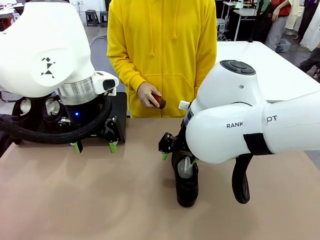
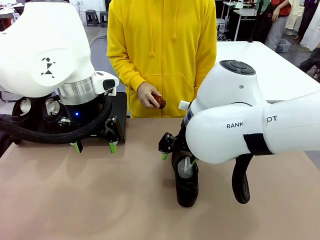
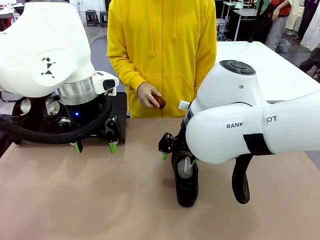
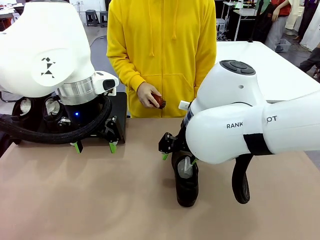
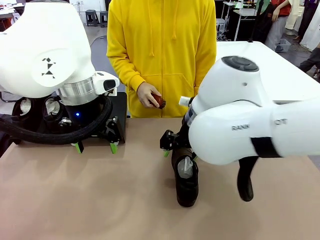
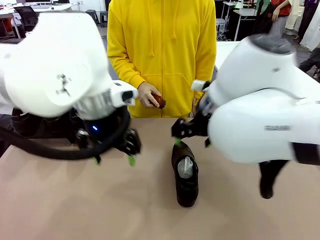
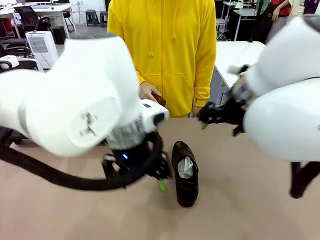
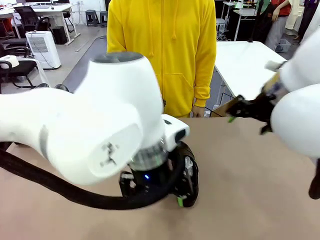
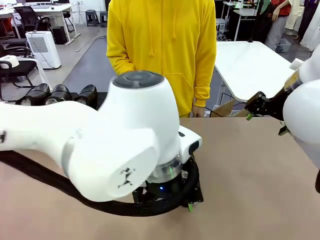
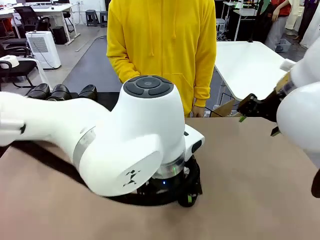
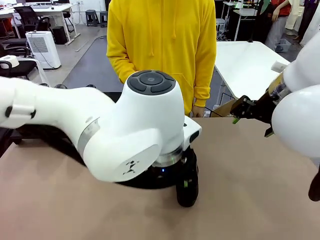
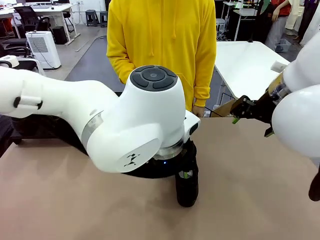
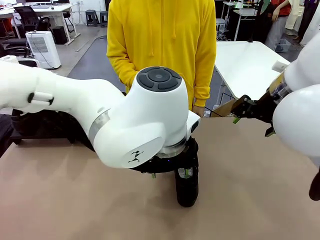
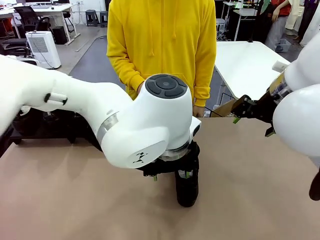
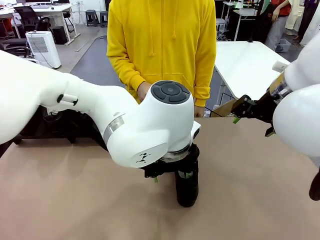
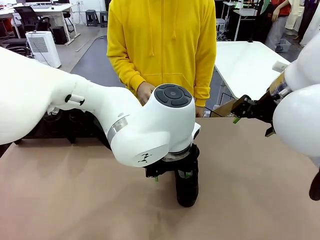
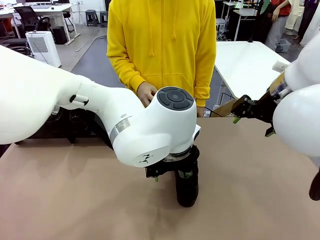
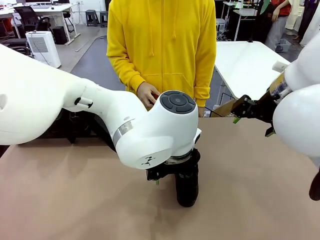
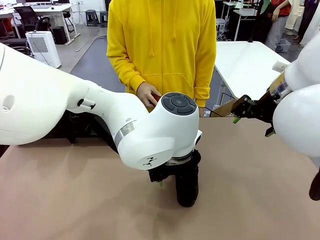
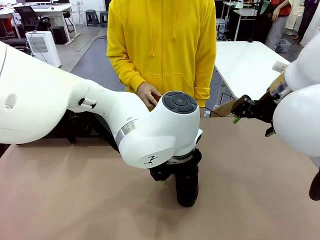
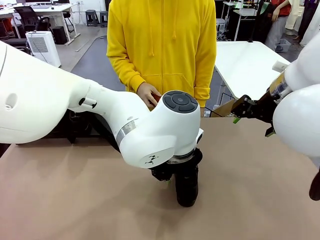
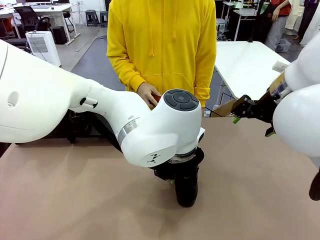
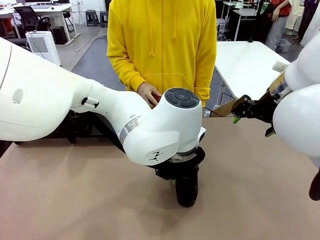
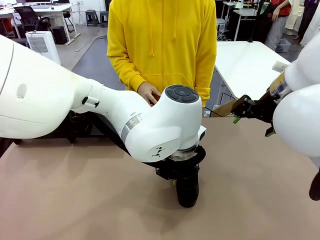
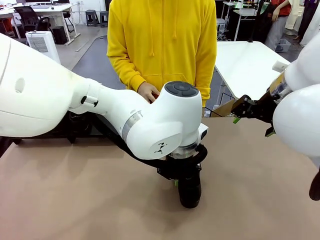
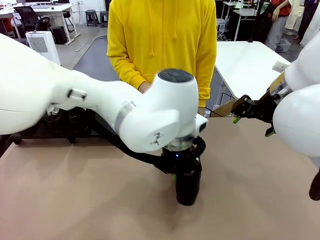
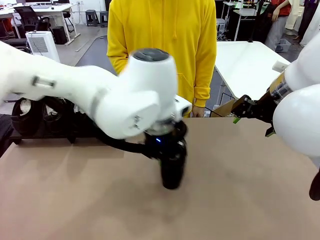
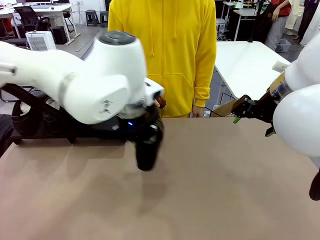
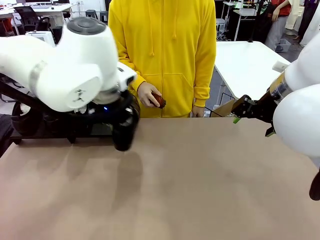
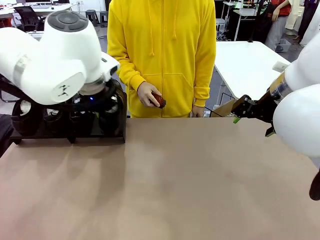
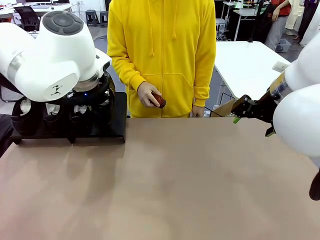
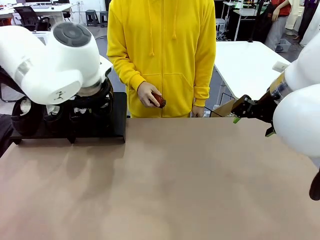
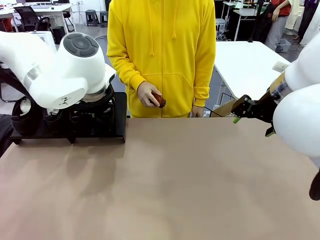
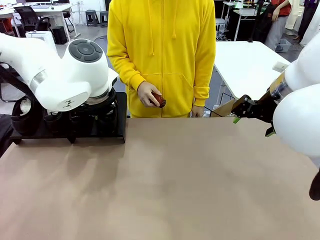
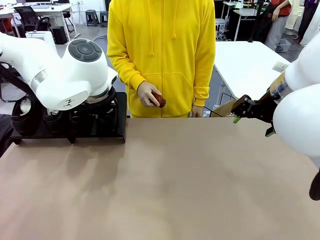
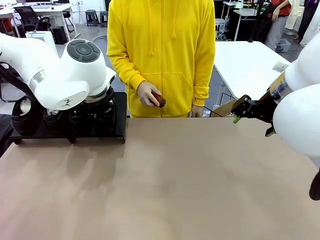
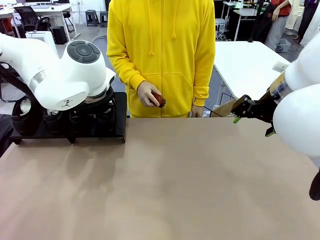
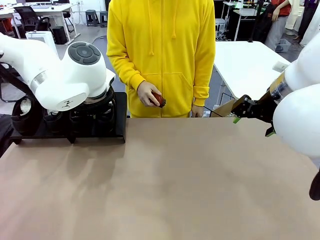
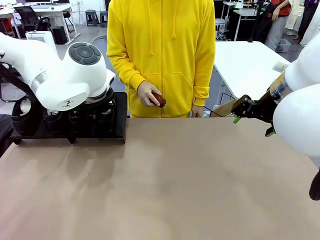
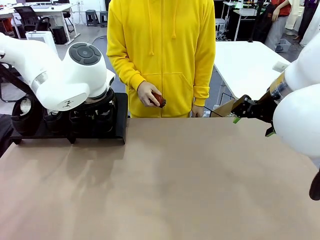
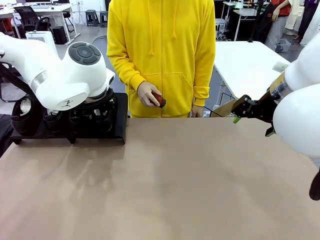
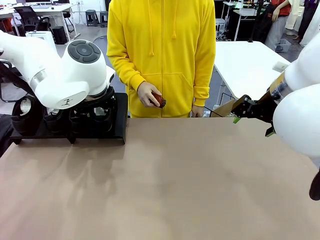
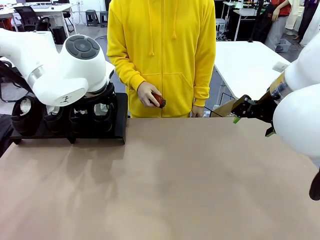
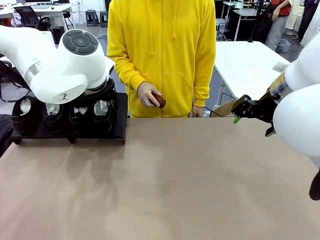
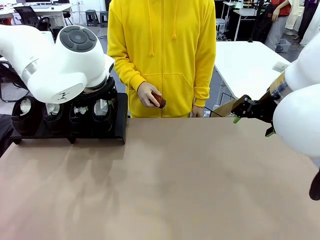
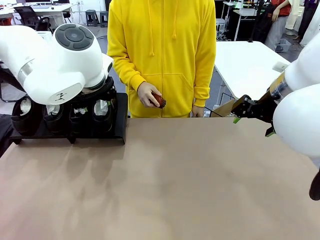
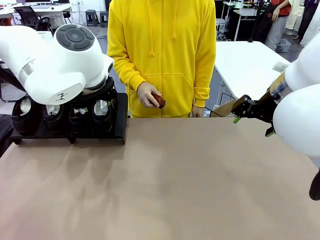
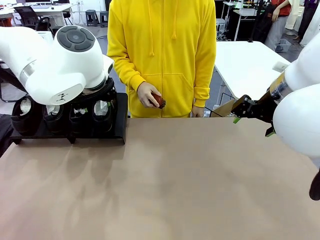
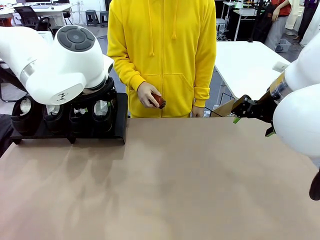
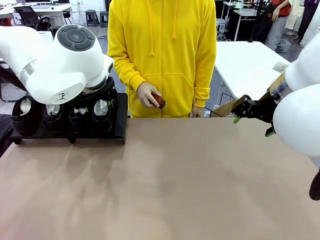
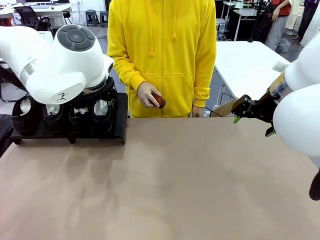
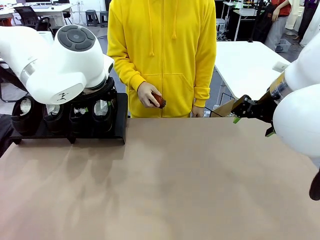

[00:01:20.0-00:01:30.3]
Task: Organize the shoes by placing them on the stand.
Robot: Place the Shoe from the middle of the table onto the Shoes Stand.

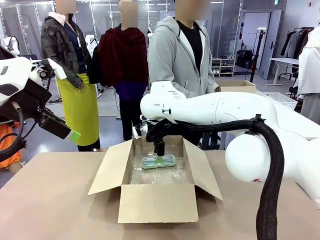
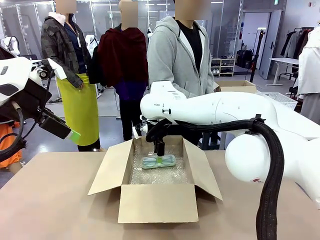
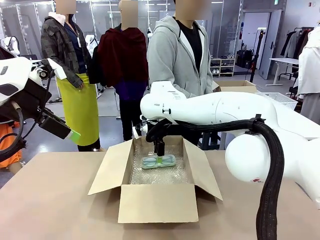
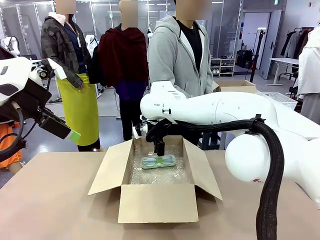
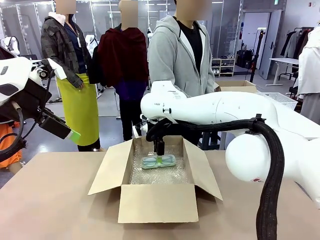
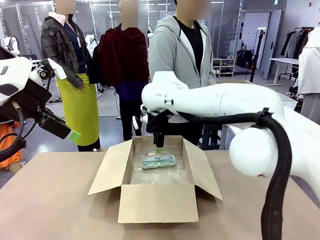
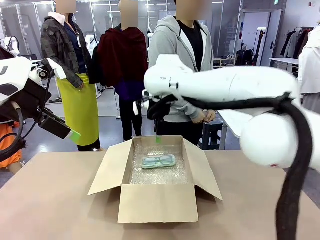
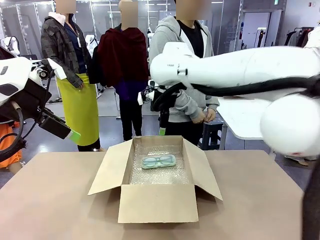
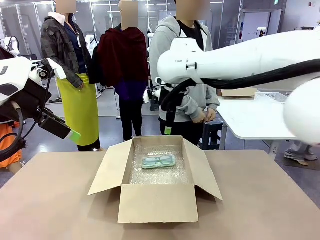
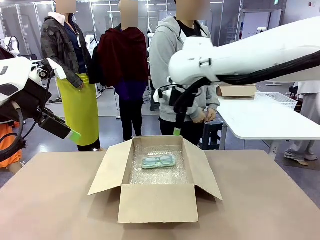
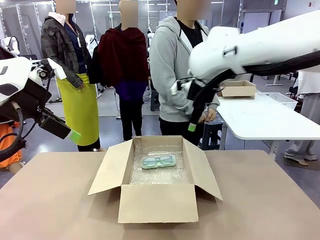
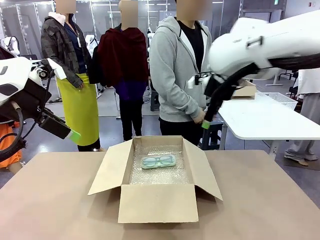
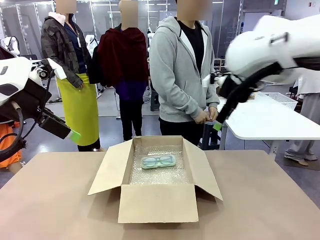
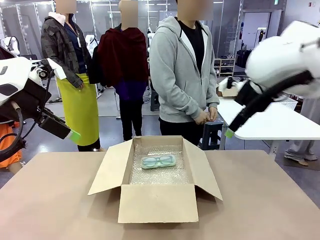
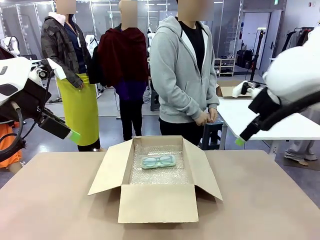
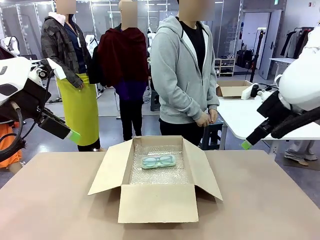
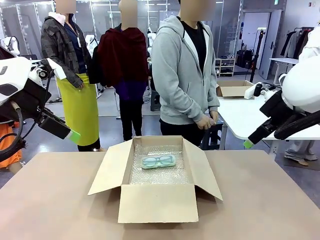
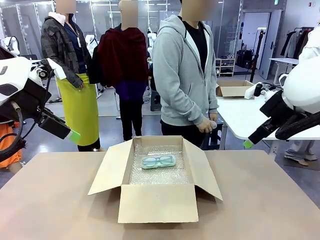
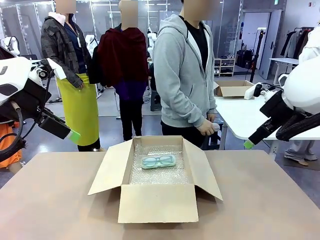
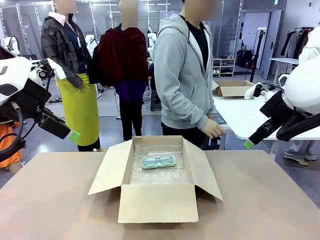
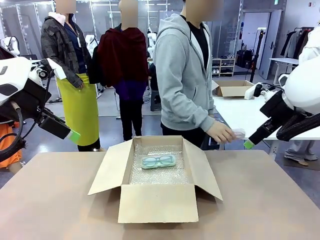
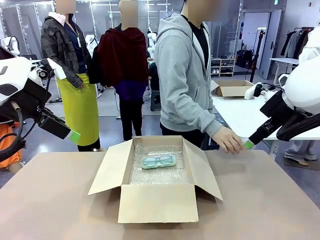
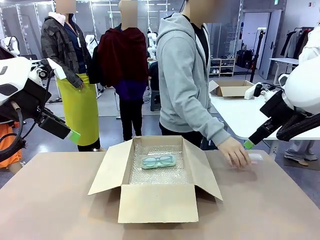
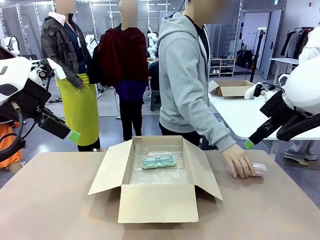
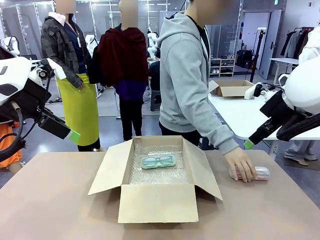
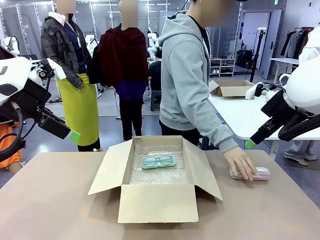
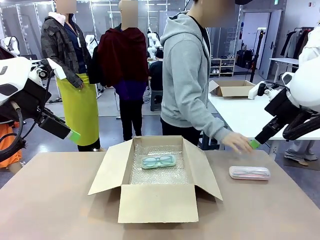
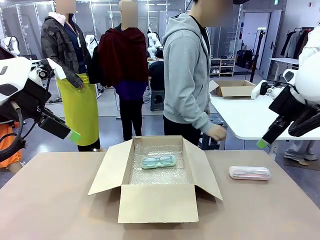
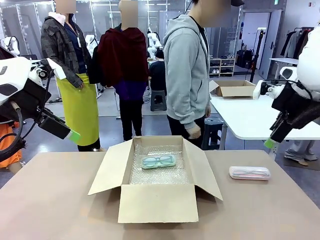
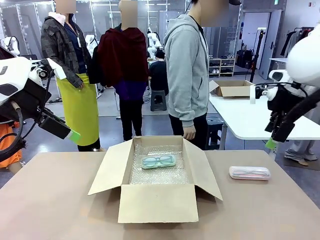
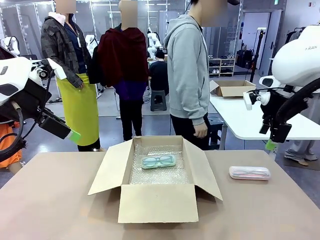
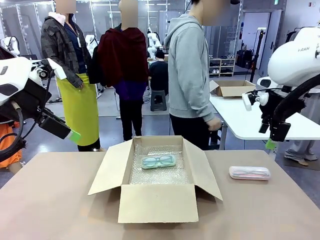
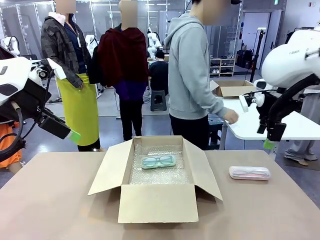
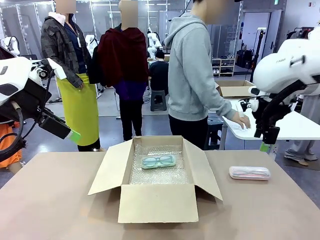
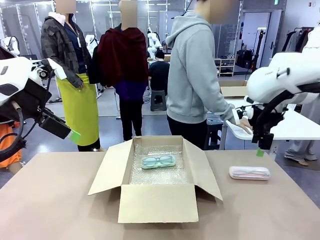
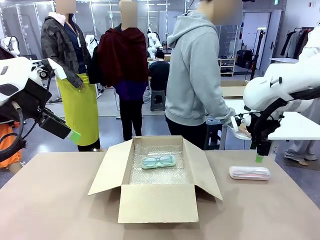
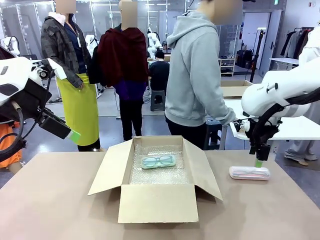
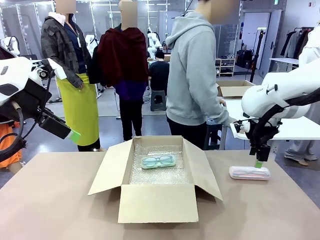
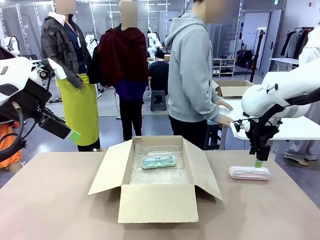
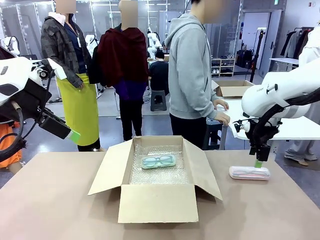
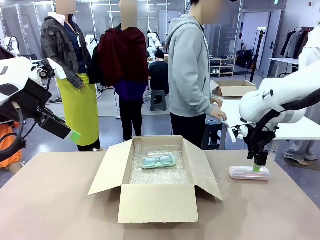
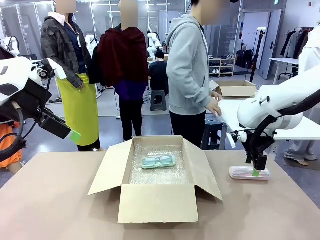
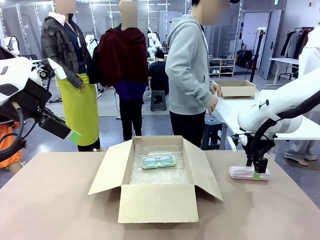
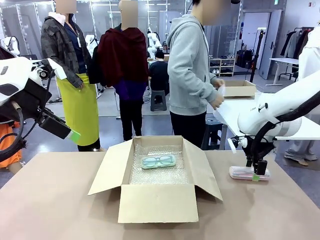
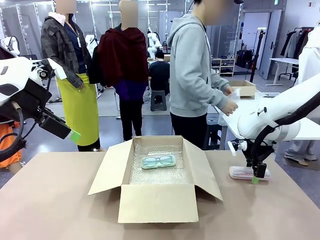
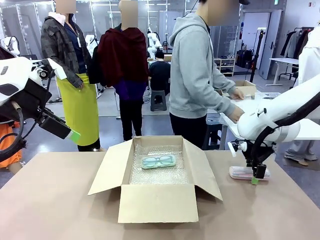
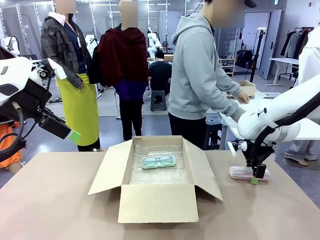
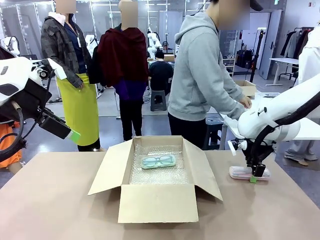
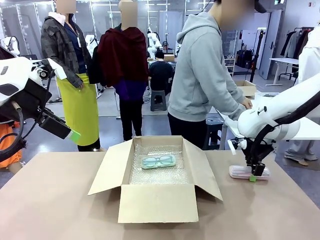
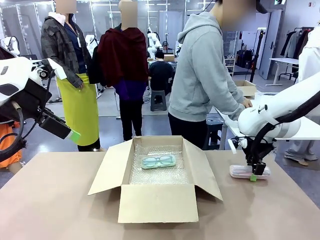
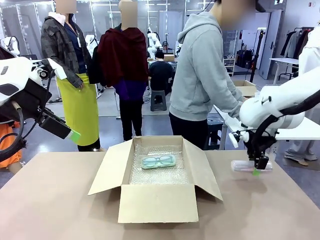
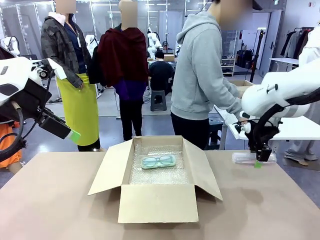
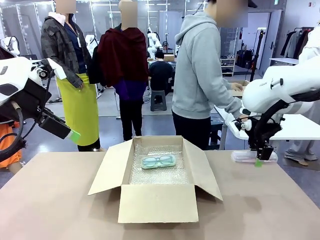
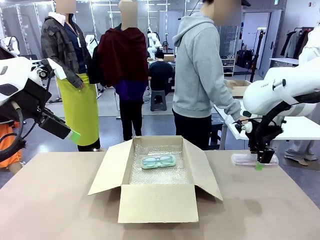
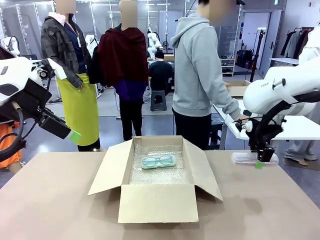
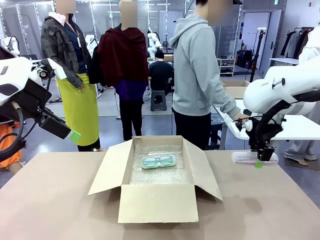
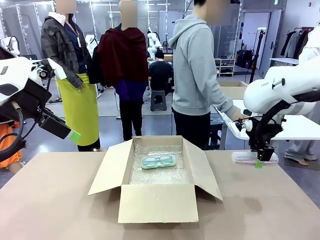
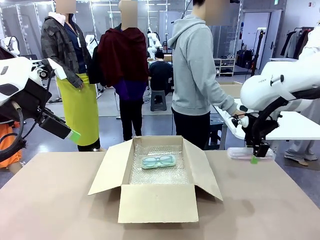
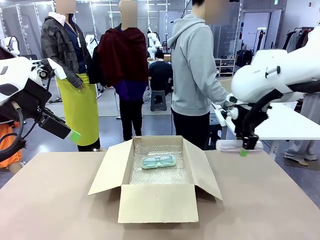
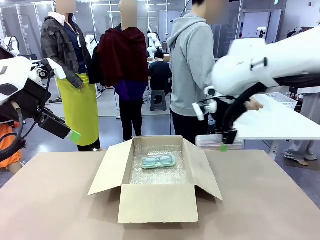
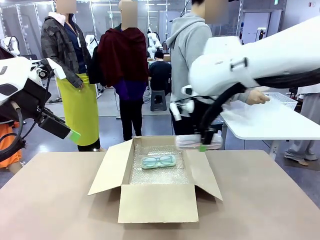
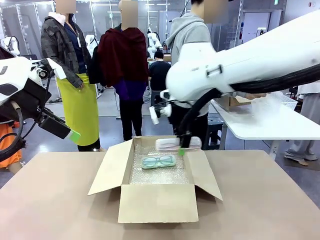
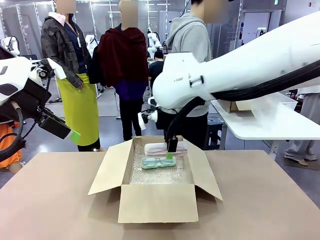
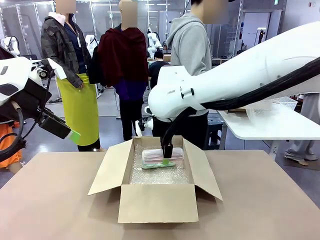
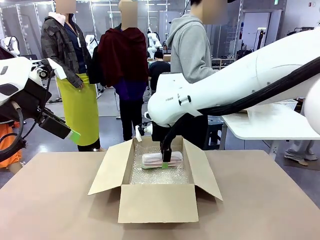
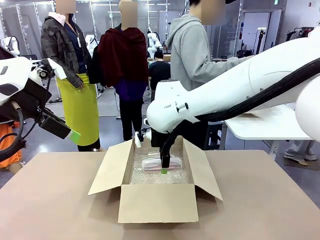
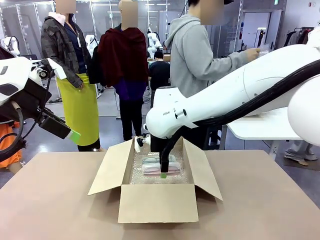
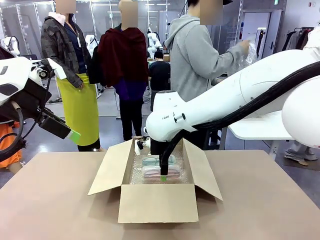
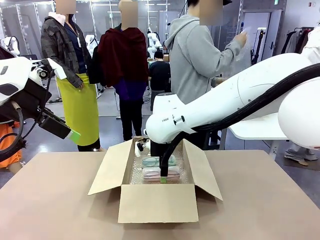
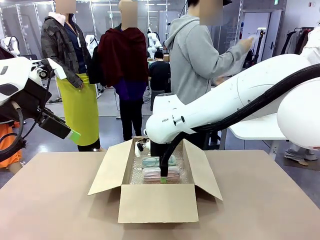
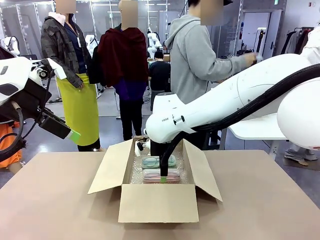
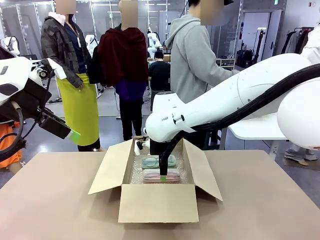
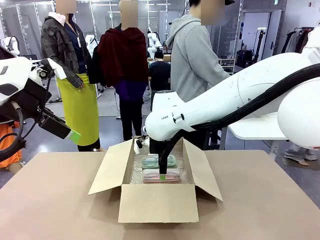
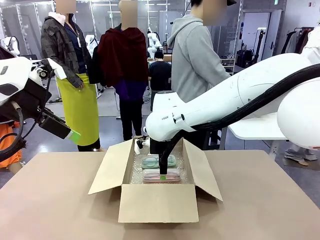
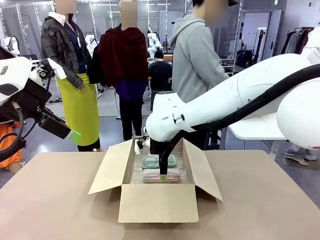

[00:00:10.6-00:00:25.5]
Task: Pack the glasses set securely to prepare it for shipping.
Robot: Put the Glasses case from the right side of the table into the Package Box.
Person: Position the Glasses case on the left side of the robot's table.
